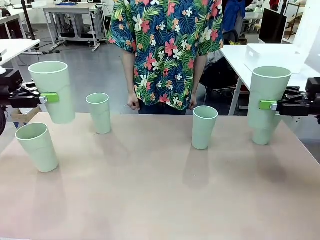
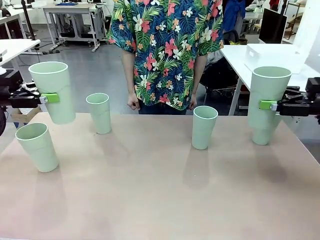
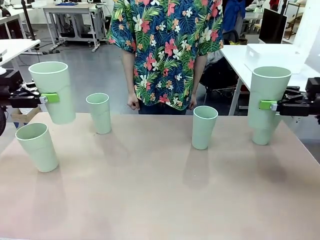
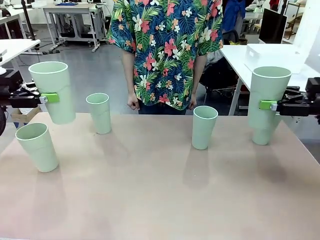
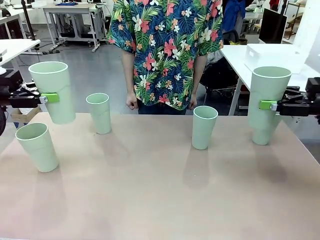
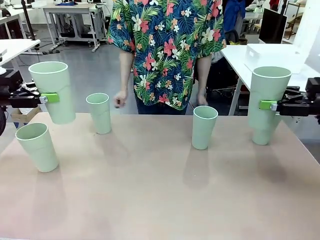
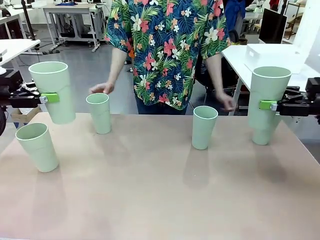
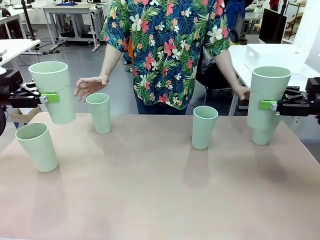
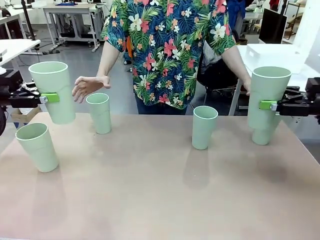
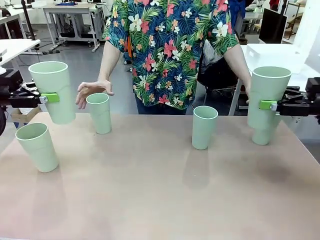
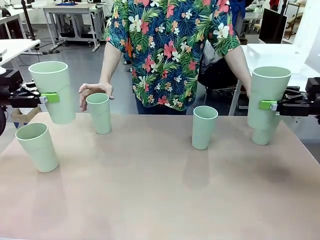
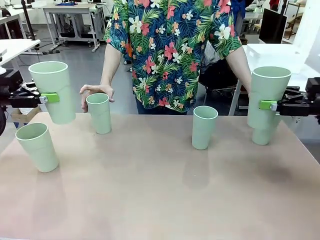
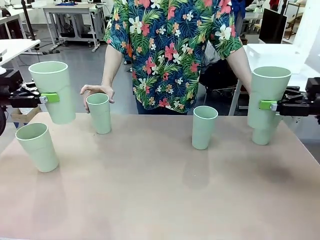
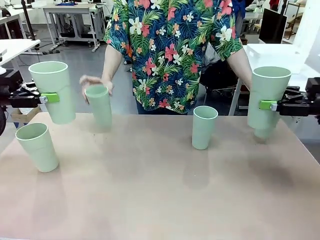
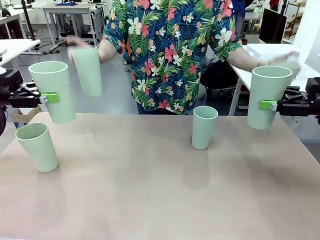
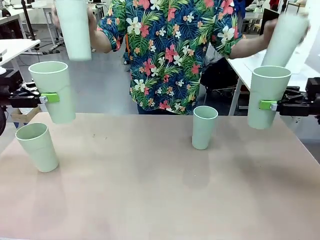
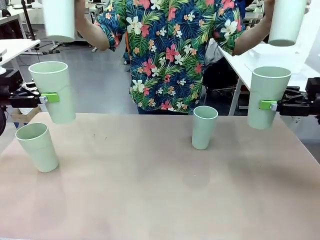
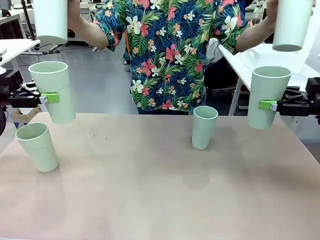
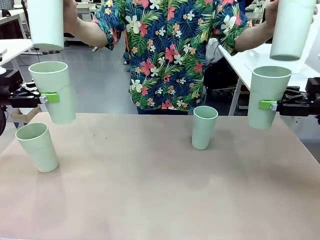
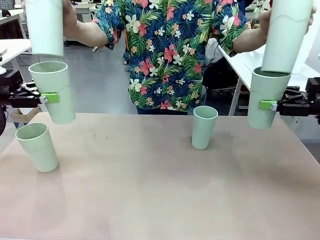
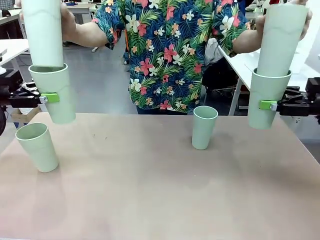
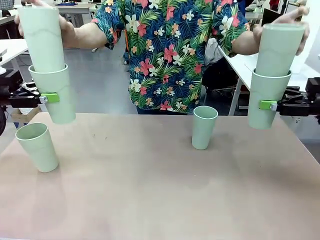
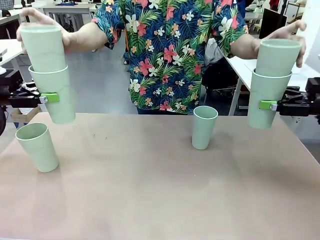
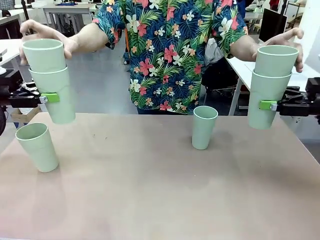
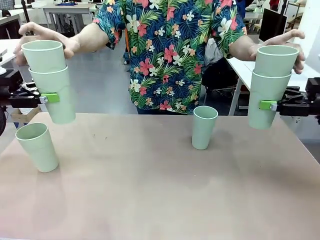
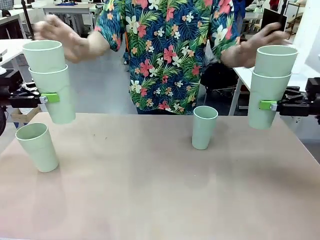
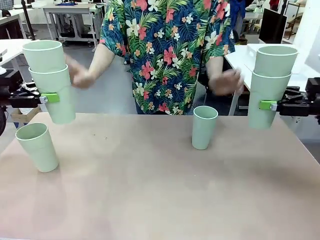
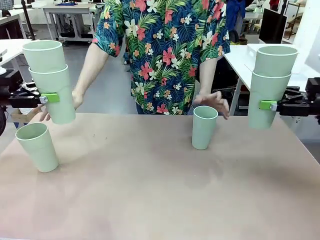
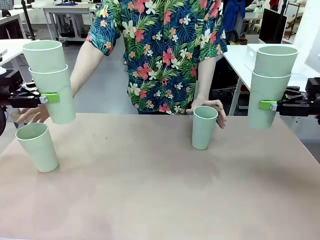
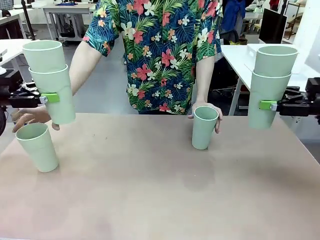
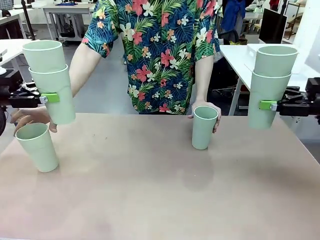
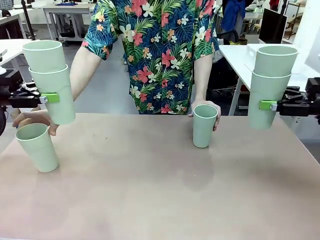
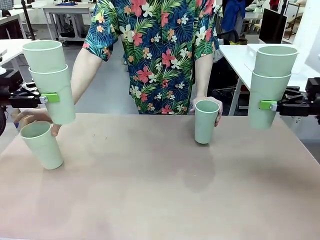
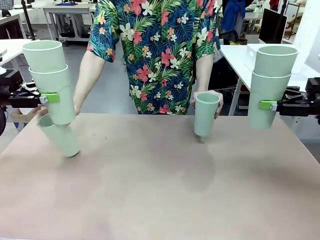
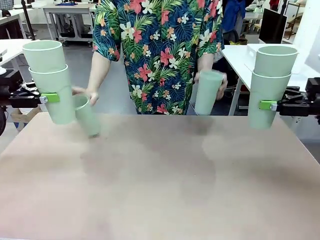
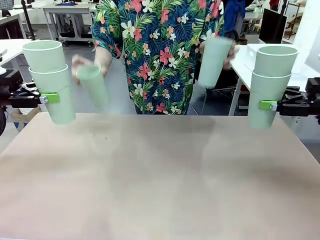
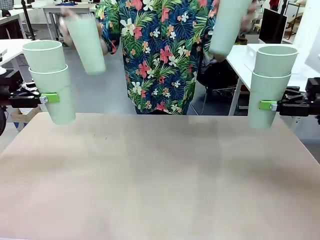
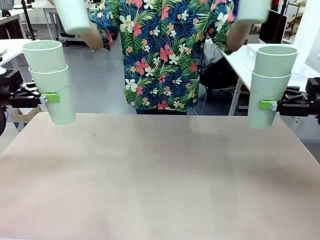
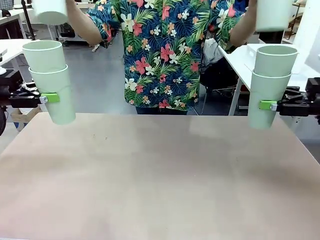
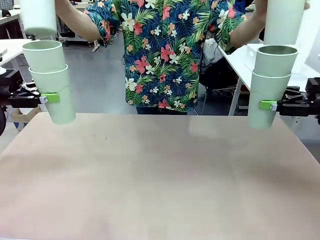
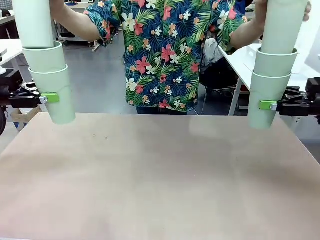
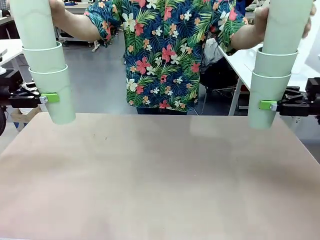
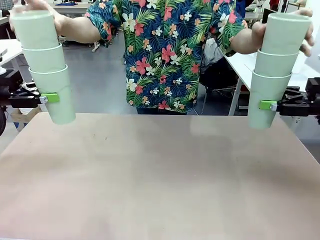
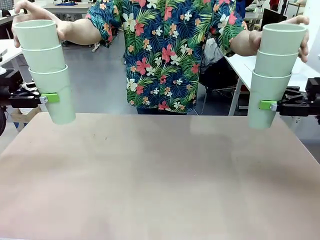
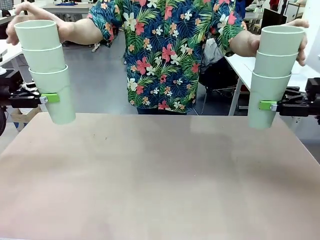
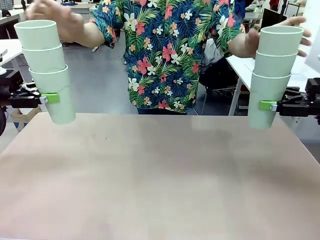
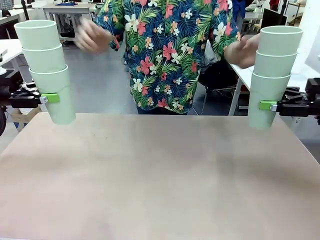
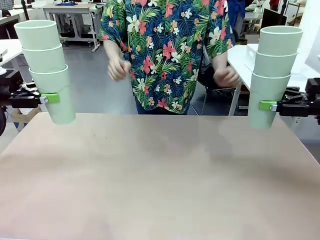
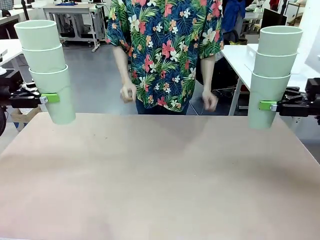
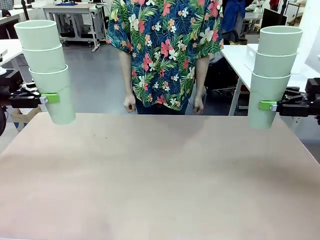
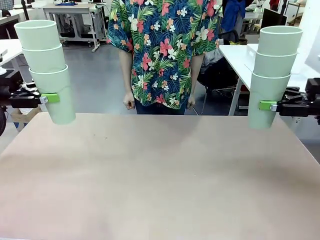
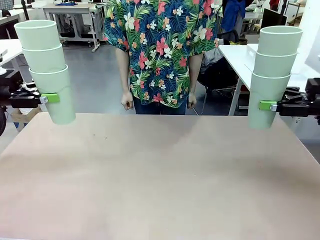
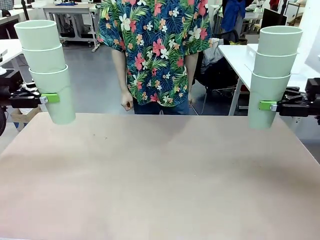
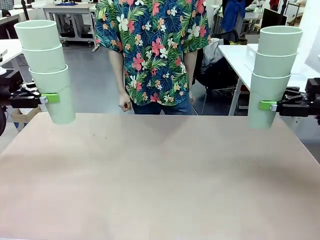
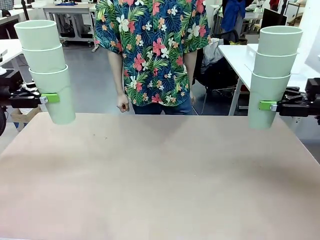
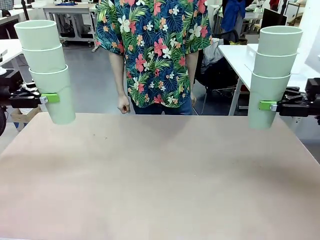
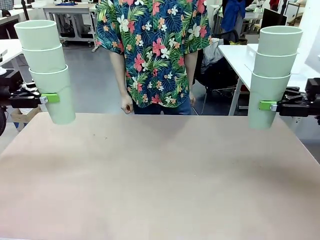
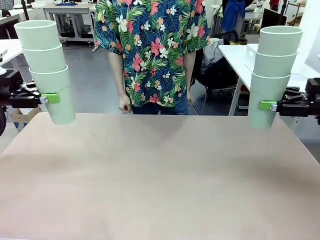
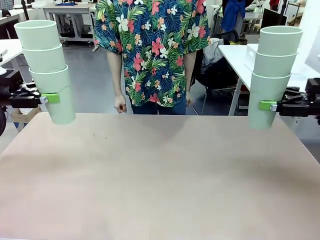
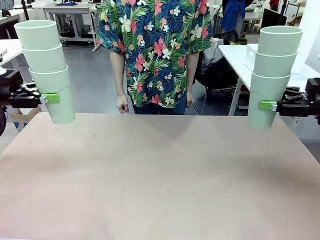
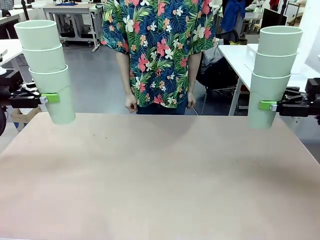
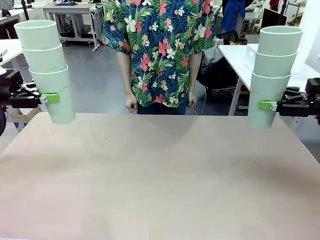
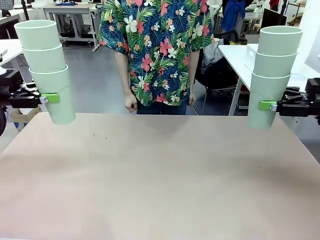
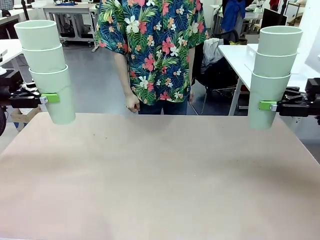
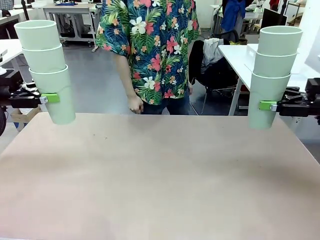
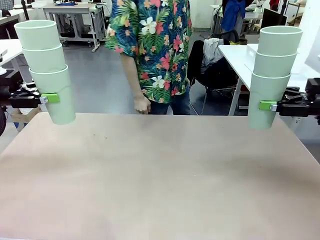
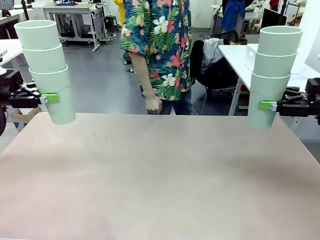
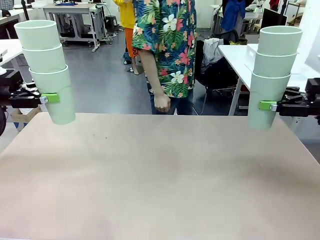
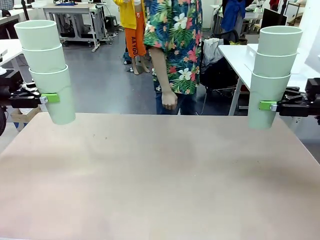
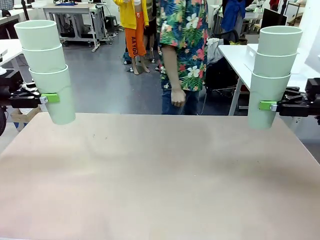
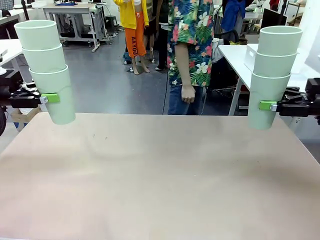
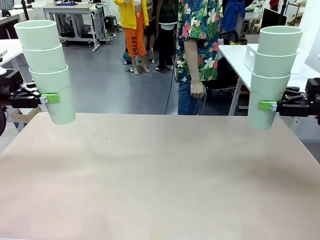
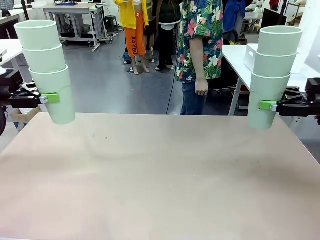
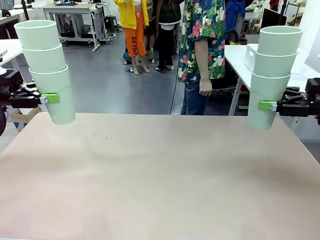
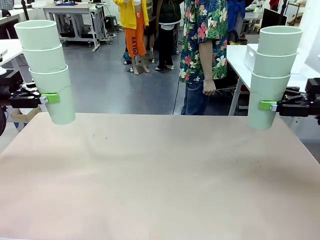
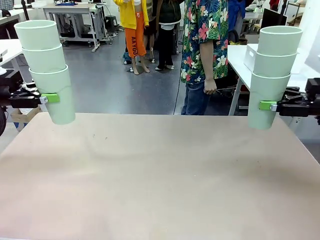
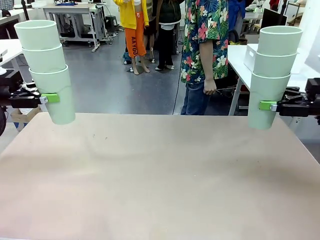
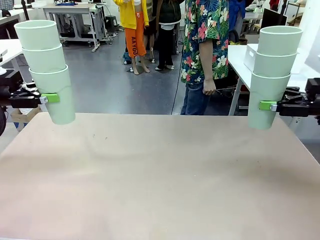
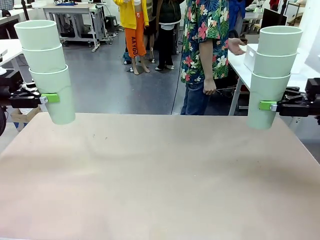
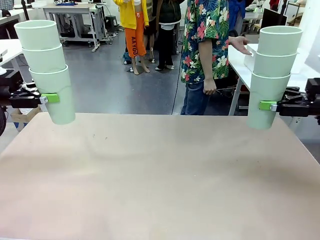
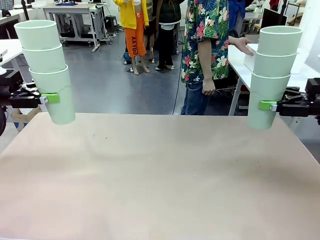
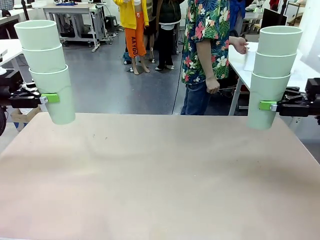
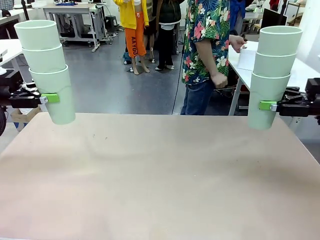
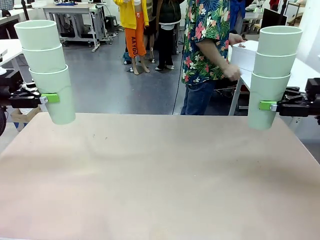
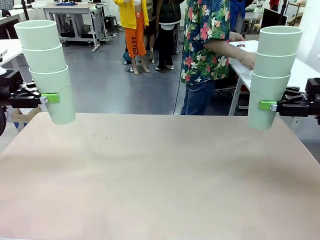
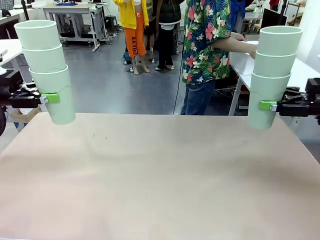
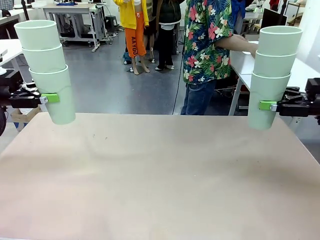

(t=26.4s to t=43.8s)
Task: Stack the cups and store them in the basket.
Robot: Place the stack of Reusable plastic cups into the Pantry Basket.
Person: Pick up the basket from the Human Table, bring it to the front of the robot, and present it.
